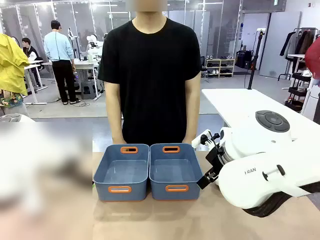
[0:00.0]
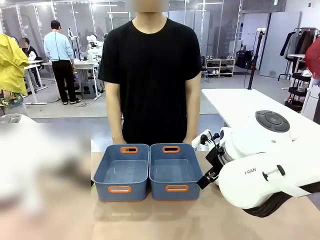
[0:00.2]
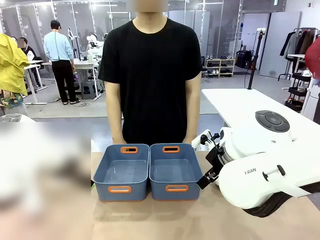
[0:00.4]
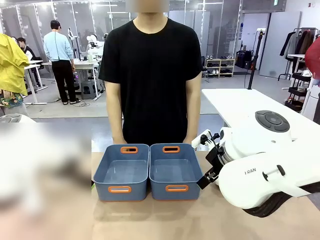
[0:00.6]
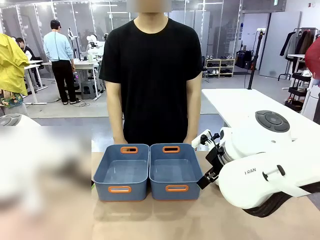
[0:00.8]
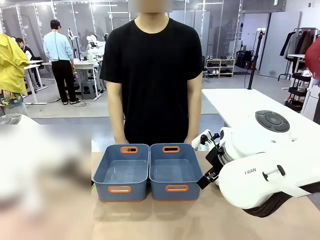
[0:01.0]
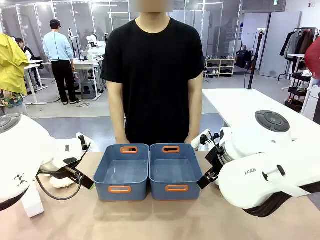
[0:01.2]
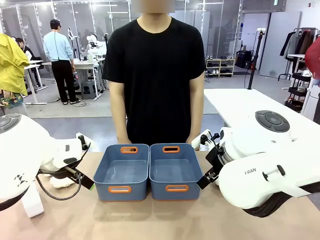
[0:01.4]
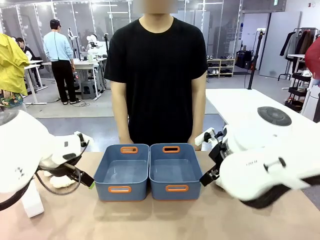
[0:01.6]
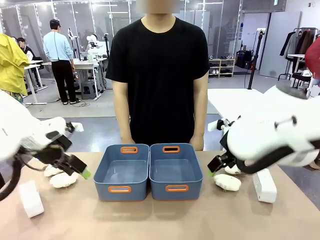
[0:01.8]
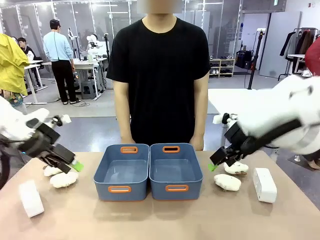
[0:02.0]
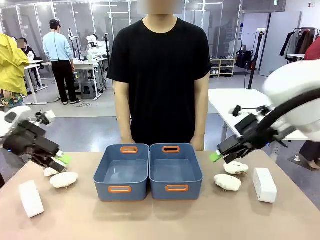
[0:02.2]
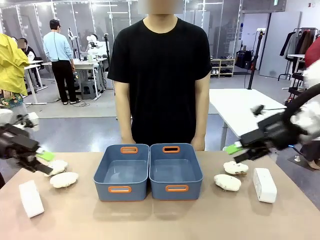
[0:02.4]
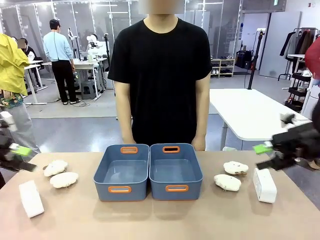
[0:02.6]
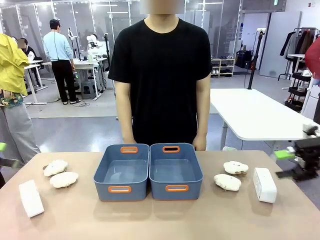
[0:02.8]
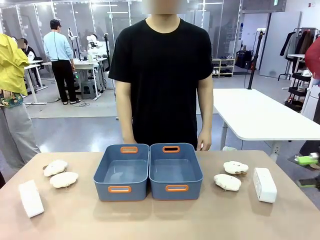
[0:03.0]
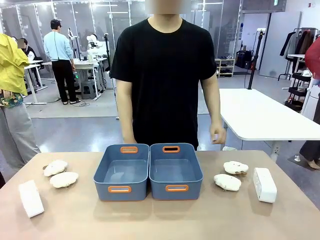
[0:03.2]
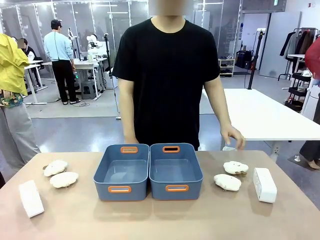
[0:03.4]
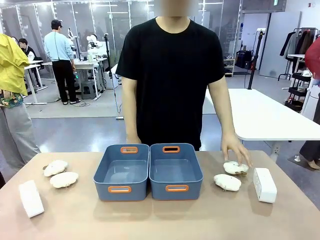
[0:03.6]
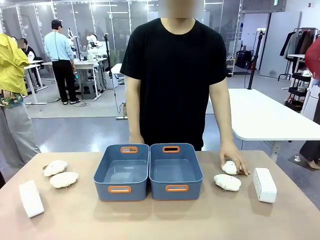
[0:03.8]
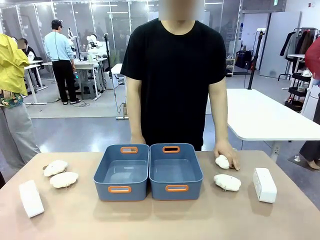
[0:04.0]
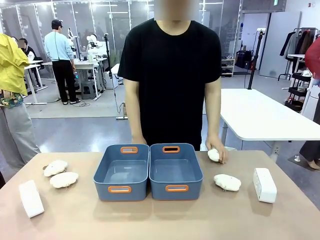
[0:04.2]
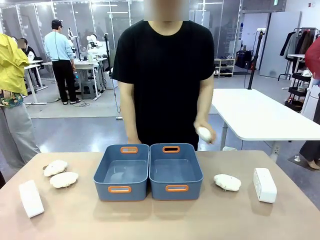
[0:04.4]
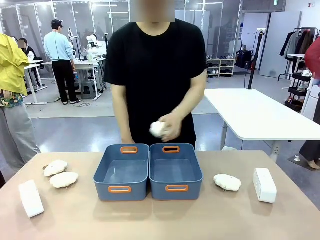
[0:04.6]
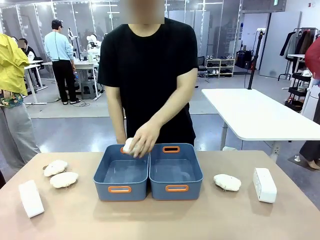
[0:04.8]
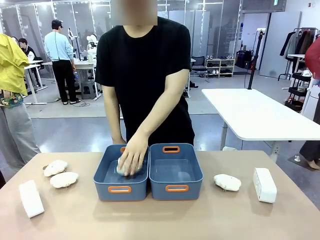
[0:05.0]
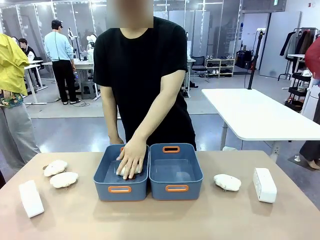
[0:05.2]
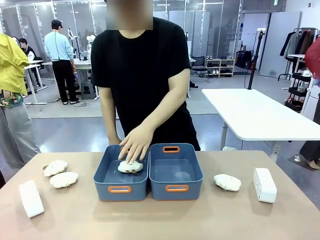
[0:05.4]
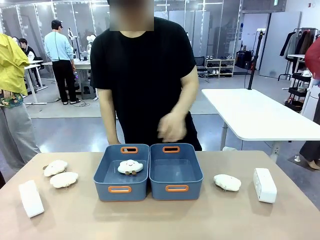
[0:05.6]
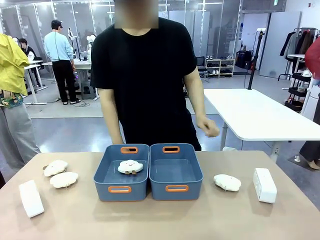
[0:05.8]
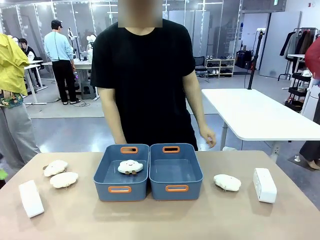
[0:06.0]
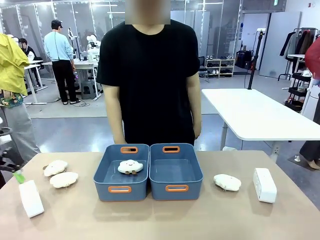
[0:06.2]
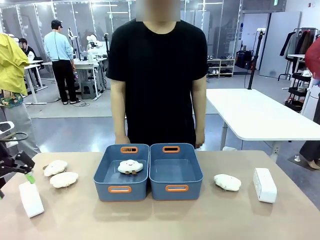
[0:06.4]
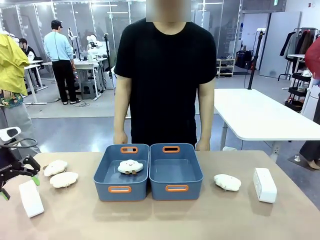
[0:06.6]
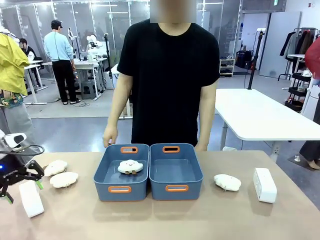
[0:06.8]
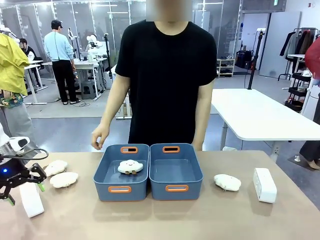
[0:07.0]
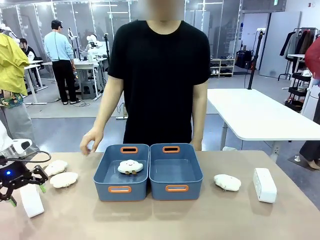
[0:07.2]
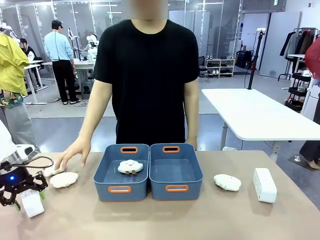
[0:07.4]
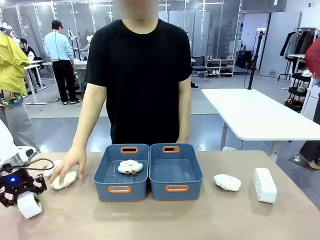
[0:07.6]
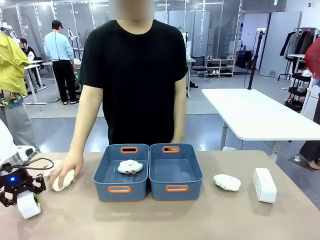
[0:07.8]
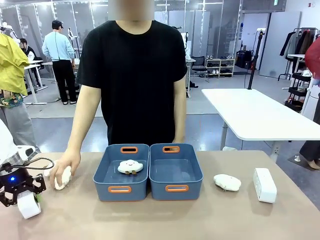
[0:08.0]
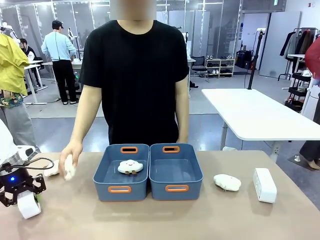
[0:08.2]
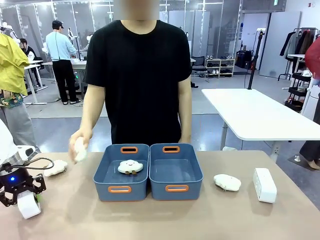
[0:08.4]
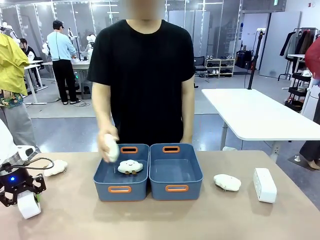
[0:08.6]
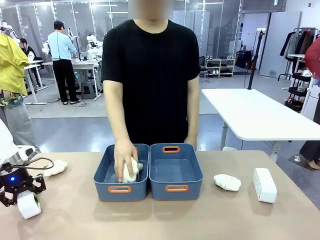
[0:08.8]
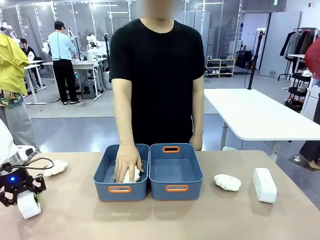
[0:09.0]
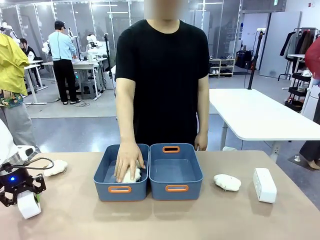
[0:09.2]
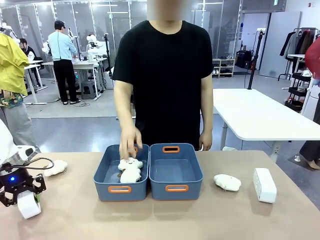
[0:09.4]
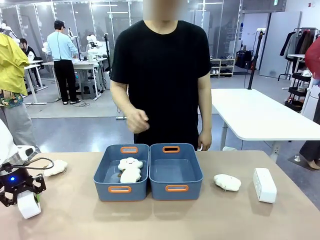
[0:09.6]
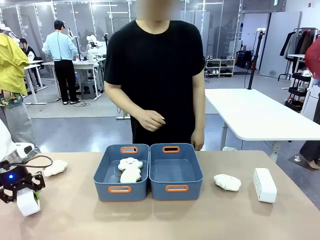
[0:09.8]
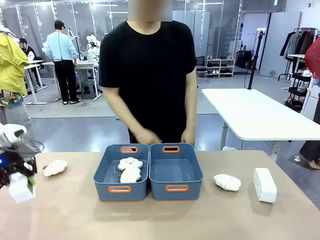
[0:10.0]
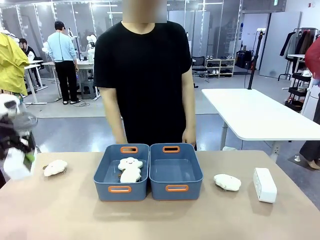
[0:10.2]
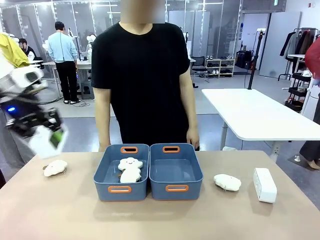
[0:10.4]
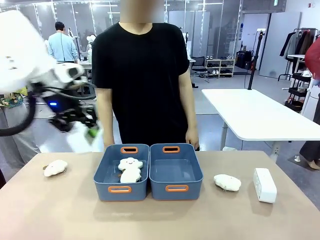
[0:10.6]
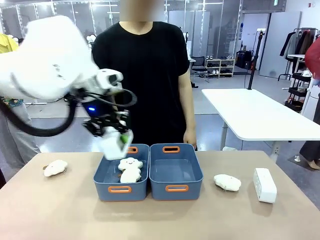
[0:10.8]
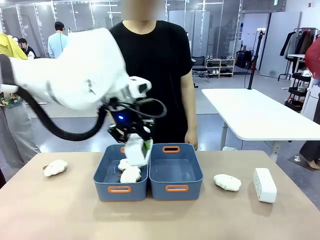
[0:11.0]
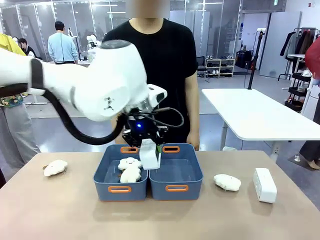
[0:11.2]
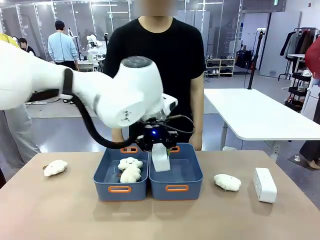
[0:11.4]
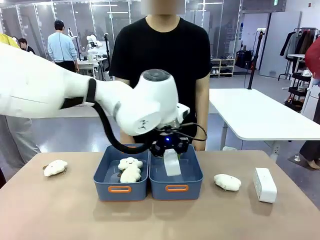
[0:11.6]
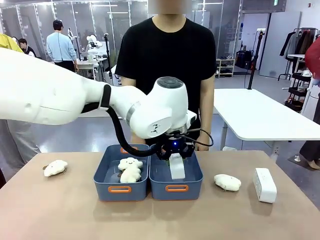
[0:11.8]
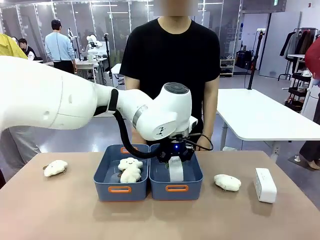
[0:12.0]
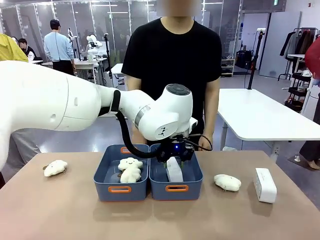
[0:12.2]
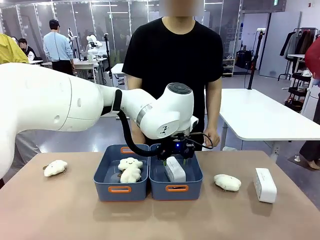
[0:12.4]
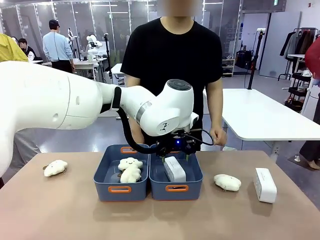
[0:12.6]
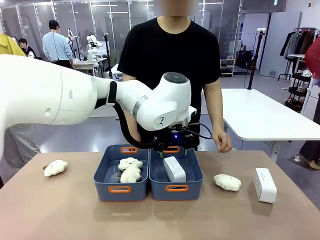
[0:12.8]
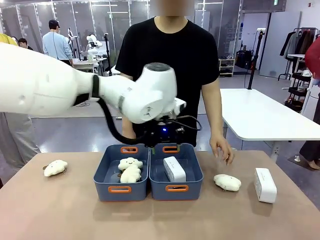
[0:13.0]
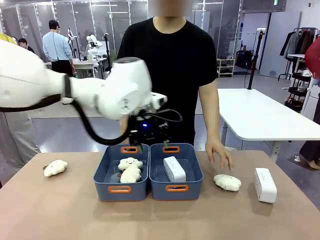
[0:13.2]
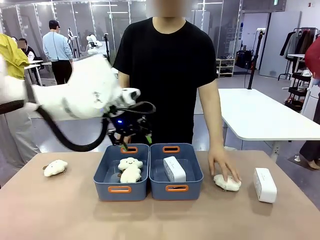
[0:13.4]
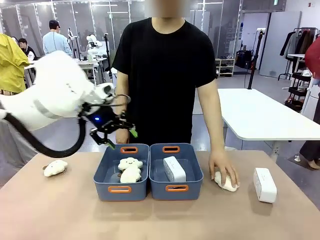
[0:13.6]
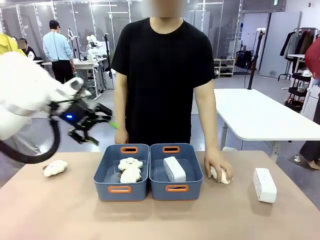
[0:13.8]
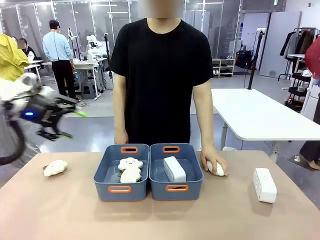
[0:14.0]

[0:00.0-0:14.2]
Task: Sort the digital clocks into the basket.
Robot: Pick up the Digital clock from the table and place it into the empty Plastic storage basket.
Person: Pick up a plush toy from the table and place it in a plastic storage basket.
